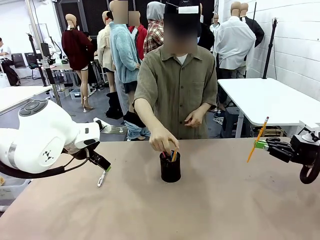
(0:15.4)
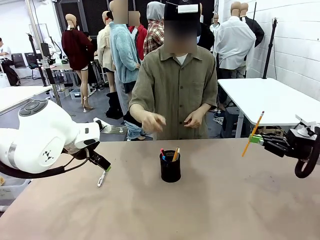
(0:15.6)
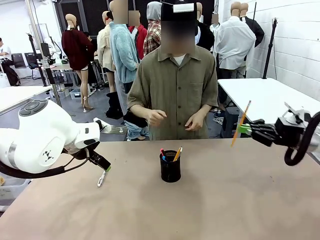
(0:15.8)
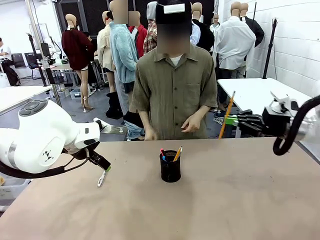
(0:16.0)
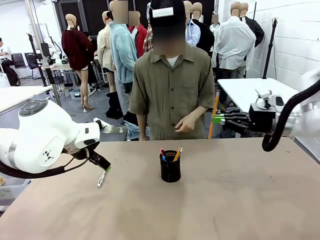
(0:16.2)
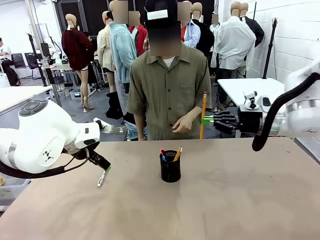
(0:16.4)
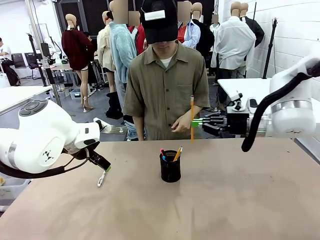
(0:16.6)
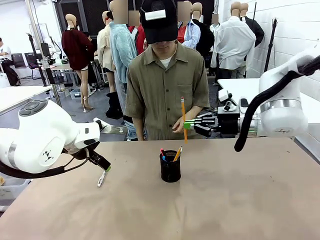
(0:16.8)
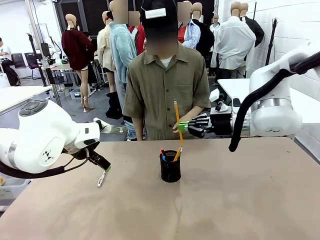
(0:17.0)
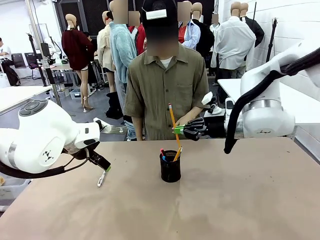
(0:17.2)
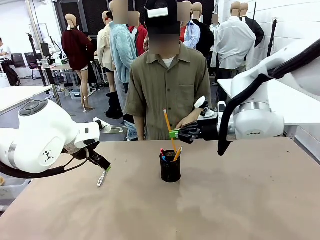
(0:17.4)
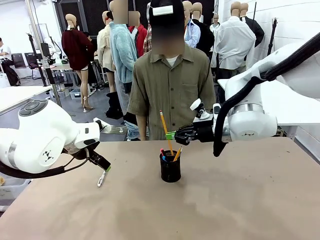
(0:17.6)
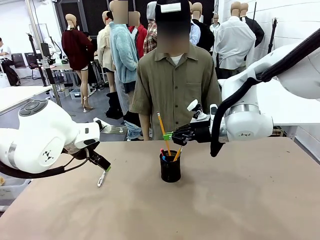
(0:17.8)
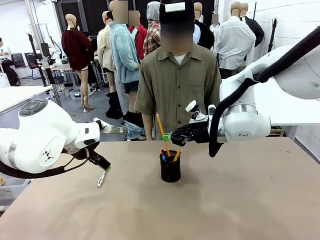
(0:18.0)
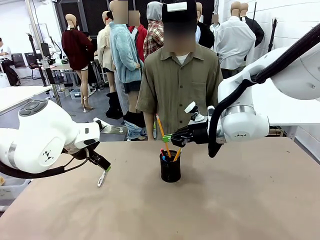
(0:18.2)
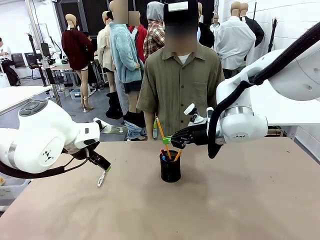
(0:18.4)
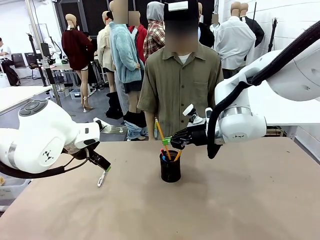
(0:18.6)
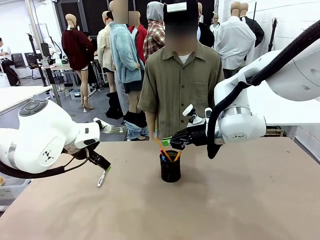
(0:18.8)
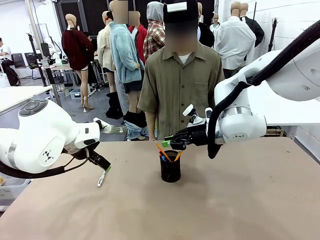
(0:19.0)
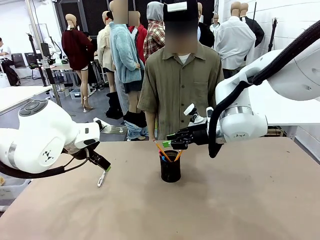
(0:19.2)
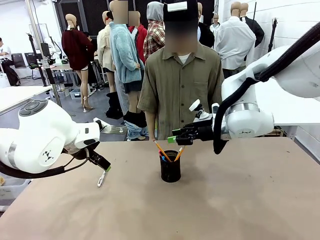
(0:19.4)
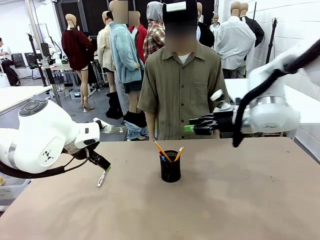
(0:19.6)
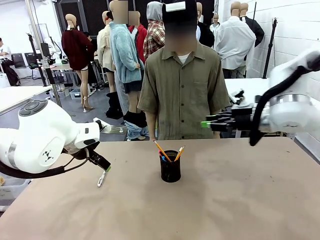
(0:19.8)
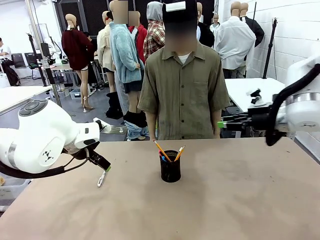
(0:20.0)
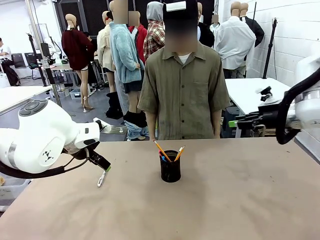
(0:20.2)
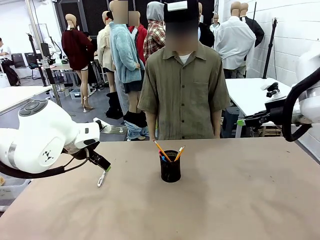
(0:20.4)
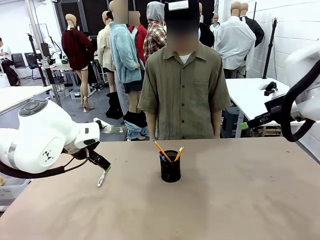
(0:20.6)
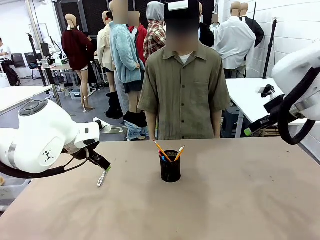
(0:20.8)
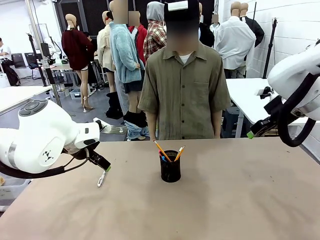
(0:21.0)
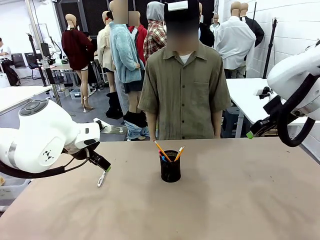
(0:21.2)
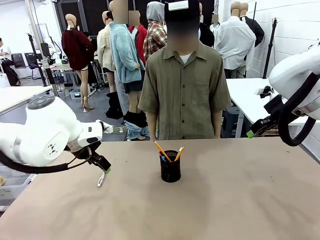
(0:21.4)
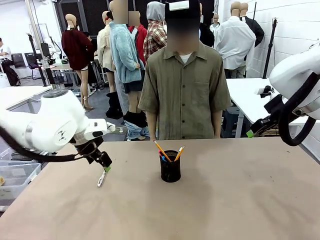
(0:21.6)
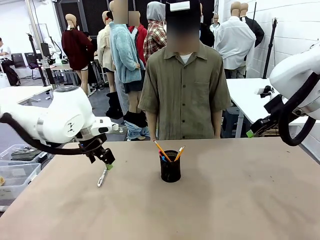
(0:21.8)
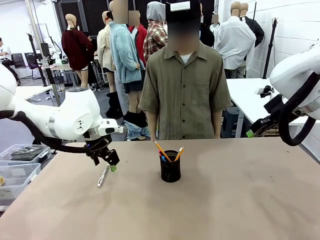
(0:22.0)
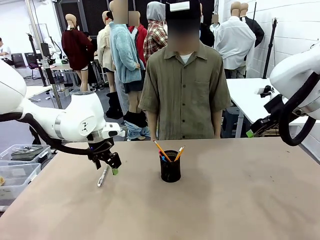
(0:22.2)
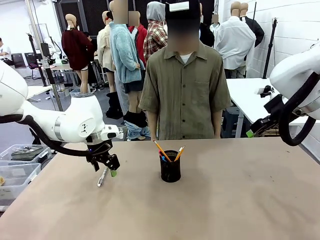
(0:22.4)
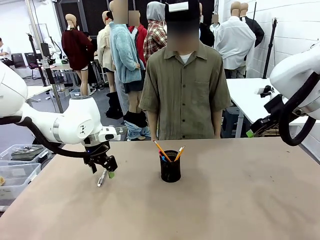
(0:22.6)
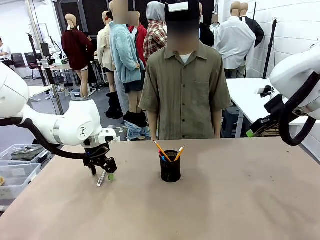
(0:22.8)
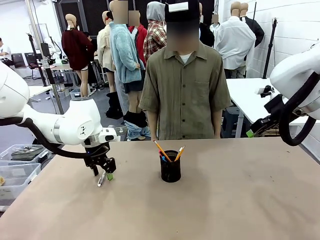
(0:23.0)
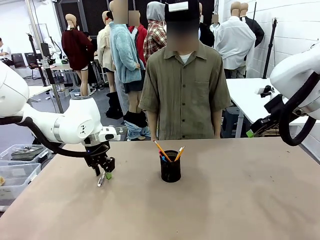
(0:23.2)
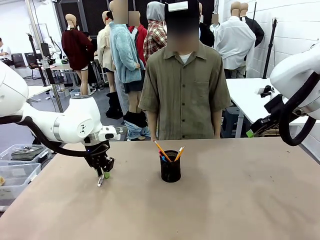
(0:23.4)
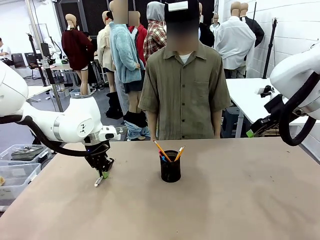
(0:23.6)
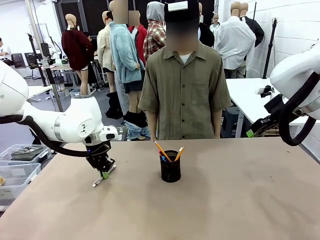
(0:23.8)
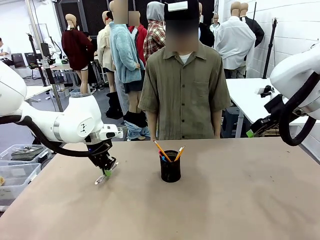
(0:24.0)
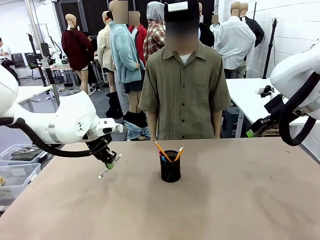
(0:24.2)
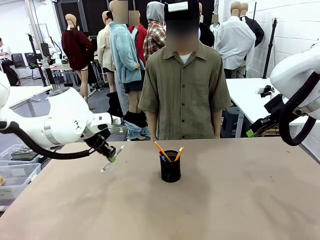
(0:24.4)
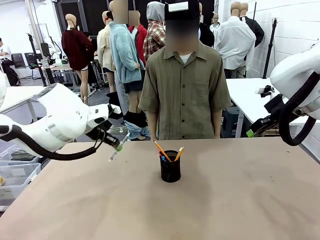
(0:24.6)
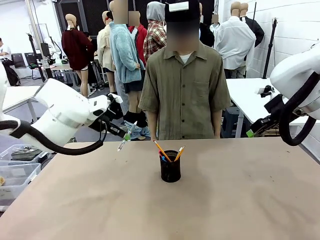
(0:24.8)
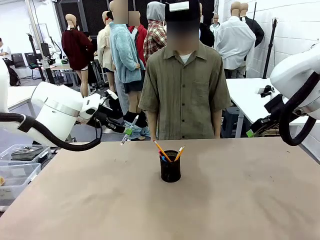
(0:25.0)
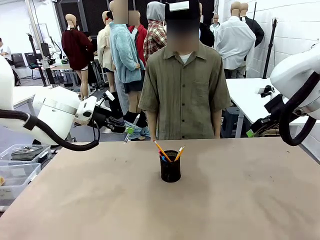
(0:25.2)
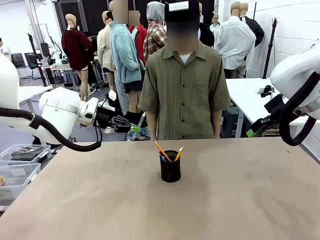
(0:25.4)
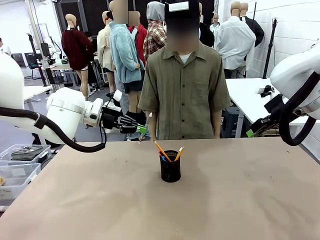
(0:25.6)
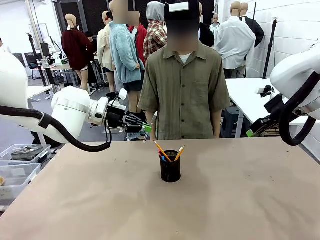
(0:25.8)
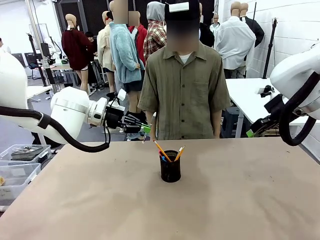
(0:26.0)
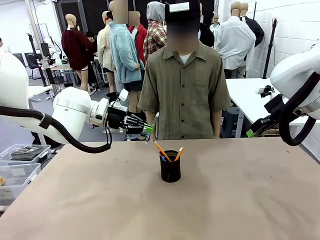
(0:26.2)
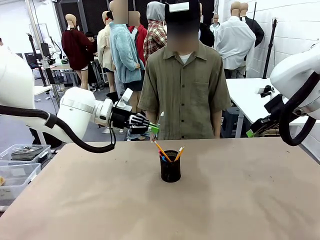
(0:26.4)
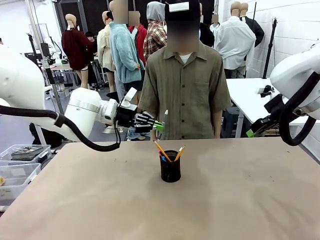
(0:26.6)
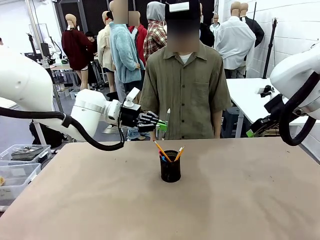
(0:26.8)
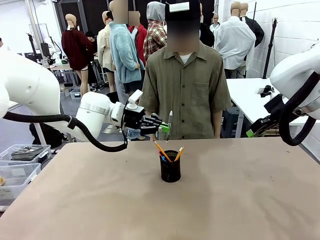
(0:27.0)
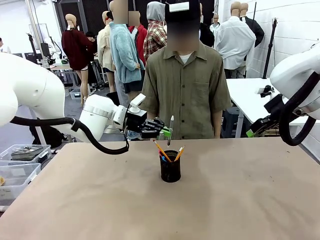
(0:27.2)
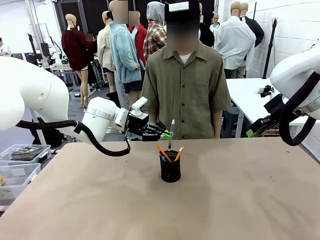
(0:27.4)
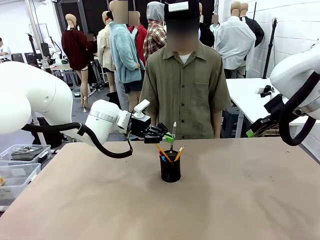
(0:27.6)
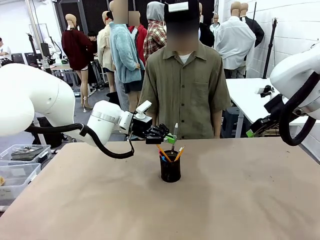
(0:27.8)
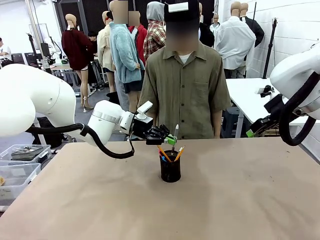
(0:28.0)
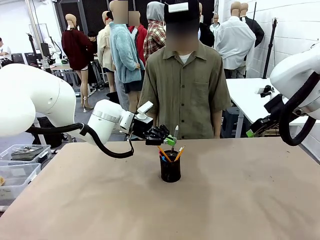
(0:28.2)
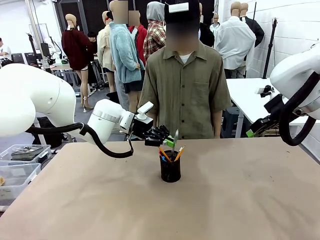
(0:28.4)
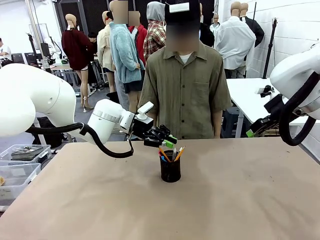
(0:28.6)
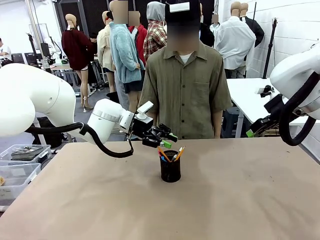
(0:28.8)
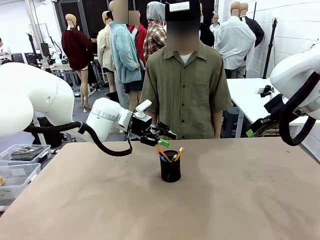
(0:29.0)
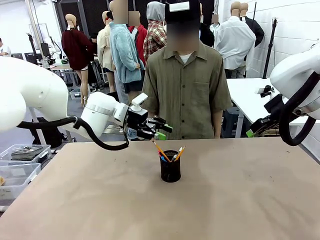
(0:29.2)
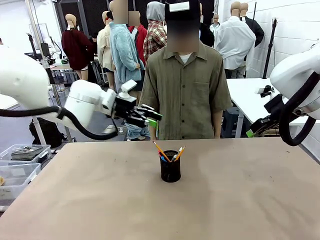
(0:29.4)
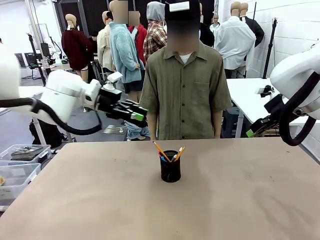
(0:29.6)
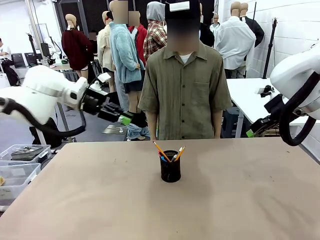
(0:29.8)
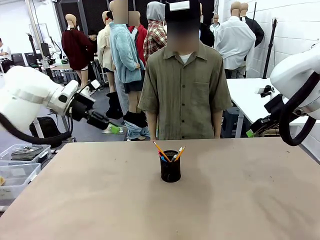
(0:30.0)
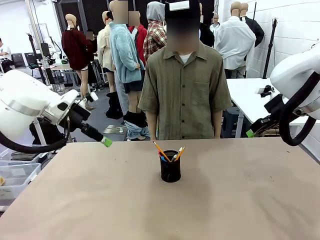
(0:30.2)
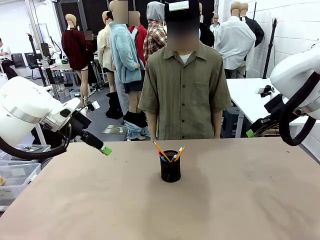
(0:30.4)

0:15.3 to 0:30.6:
Task: Place the pens into the pen holder.
Robot: Pick up a writing instrument from the table and place it into the Pen holder.
Person: Place all writing instrument into the Pen holder.
